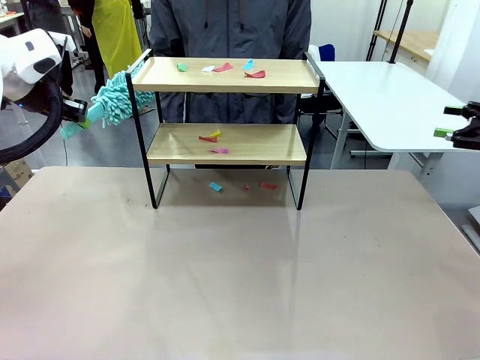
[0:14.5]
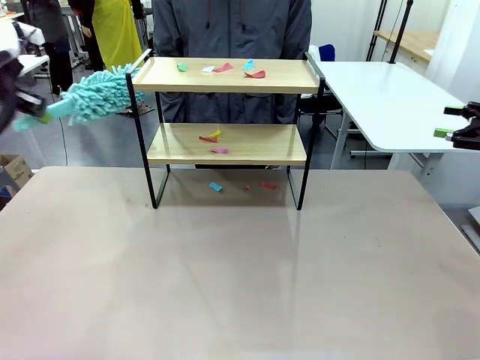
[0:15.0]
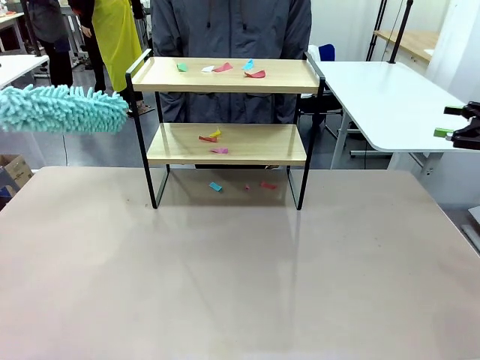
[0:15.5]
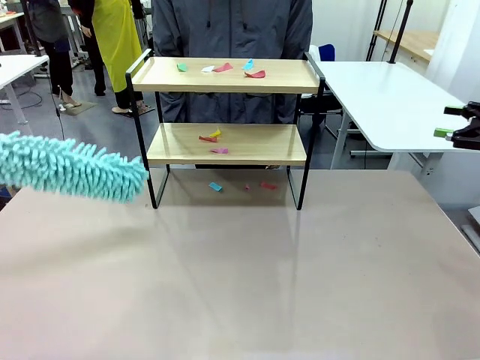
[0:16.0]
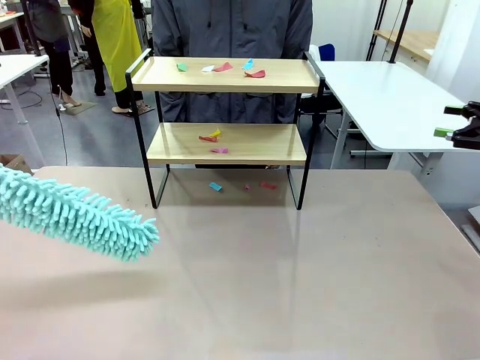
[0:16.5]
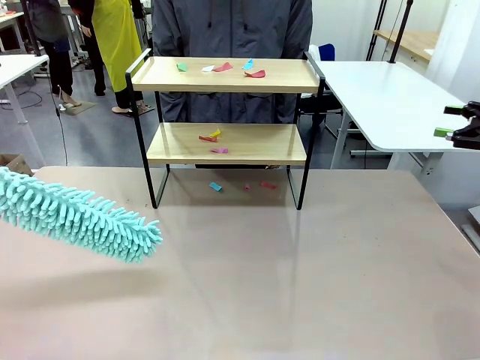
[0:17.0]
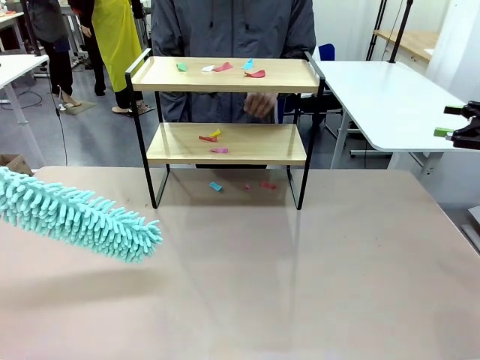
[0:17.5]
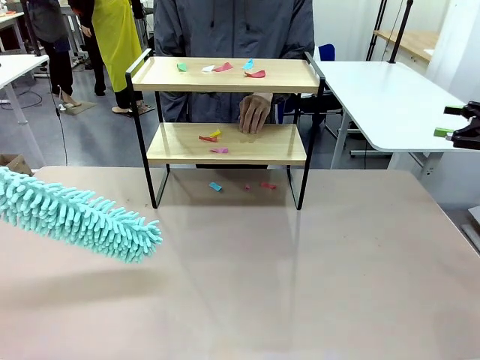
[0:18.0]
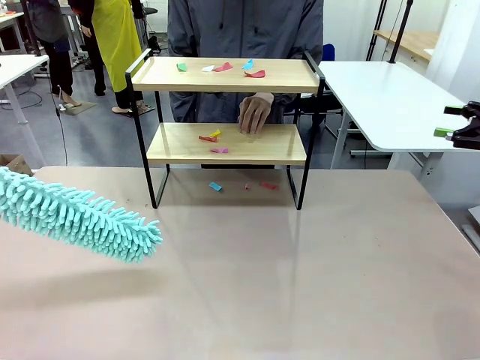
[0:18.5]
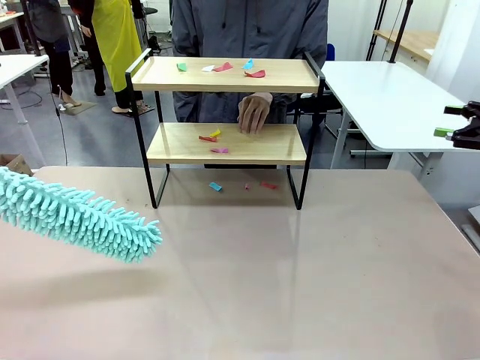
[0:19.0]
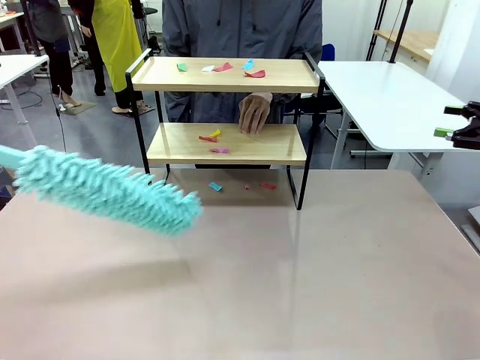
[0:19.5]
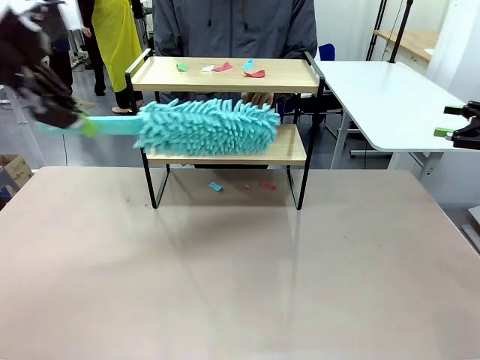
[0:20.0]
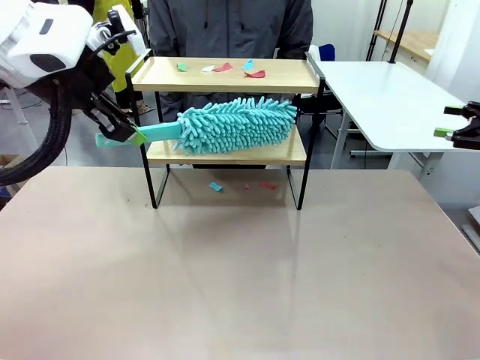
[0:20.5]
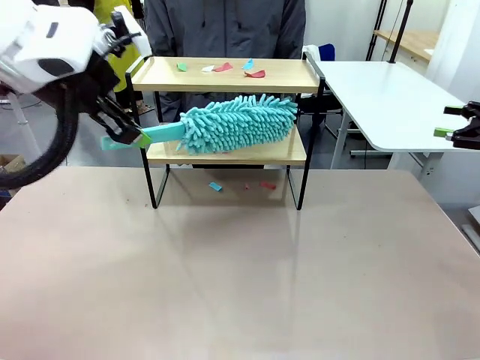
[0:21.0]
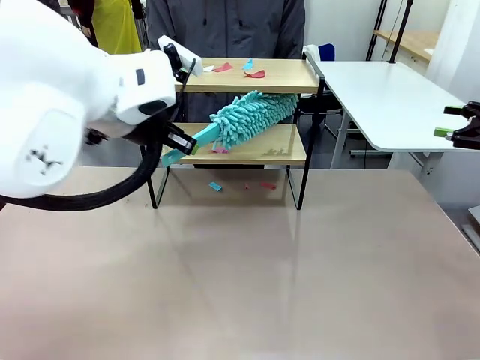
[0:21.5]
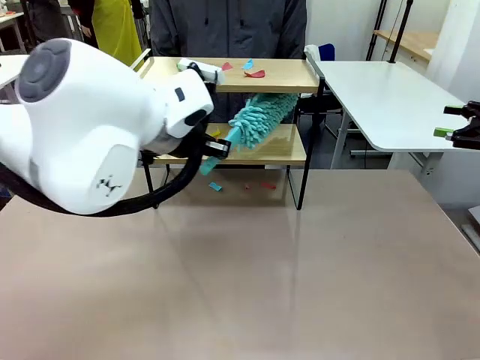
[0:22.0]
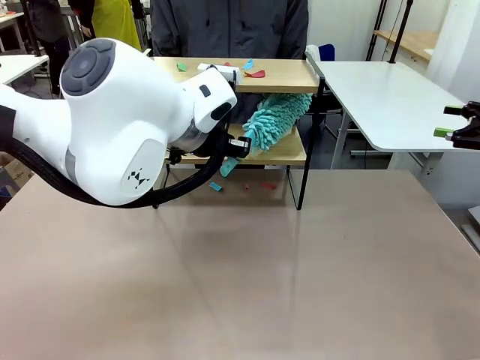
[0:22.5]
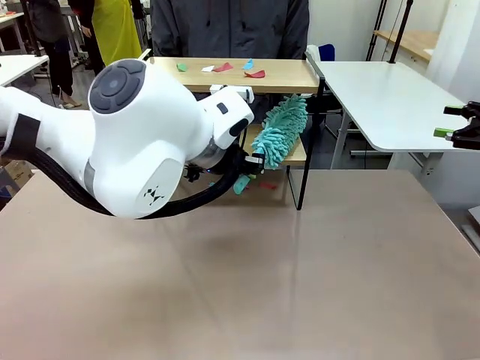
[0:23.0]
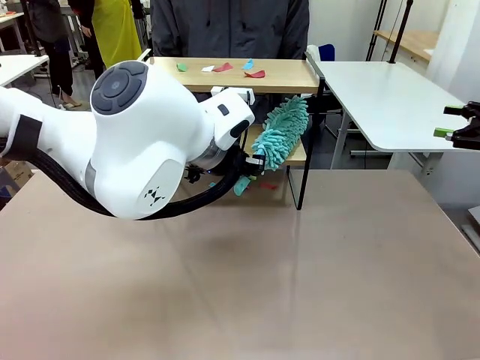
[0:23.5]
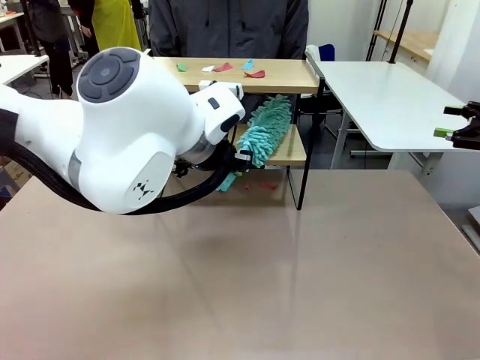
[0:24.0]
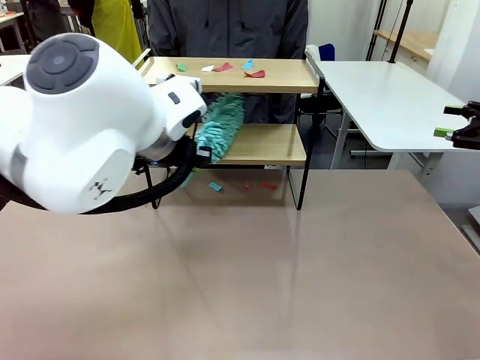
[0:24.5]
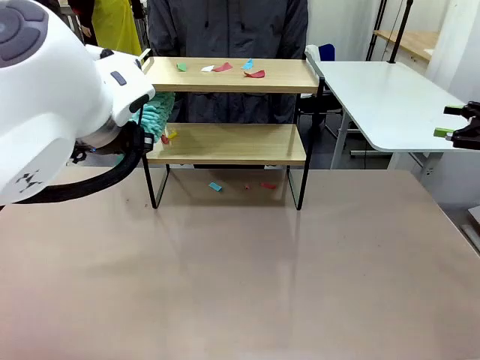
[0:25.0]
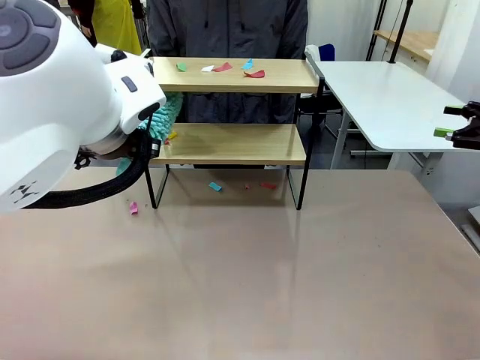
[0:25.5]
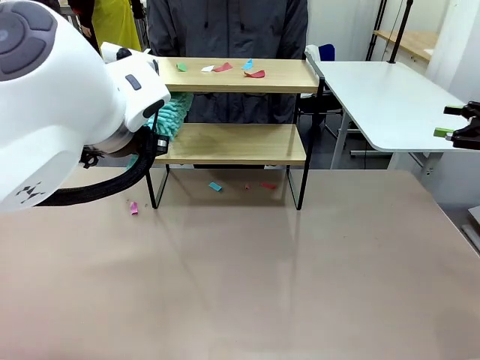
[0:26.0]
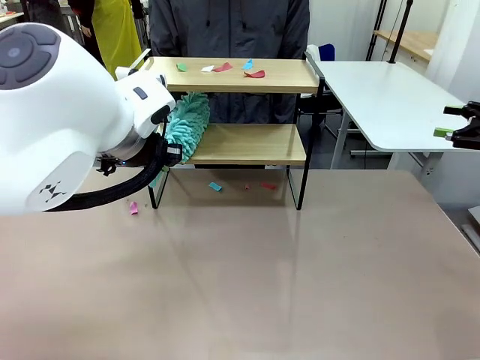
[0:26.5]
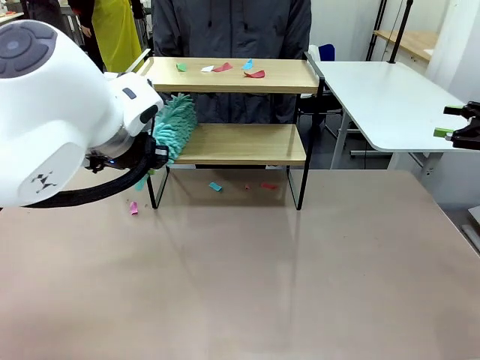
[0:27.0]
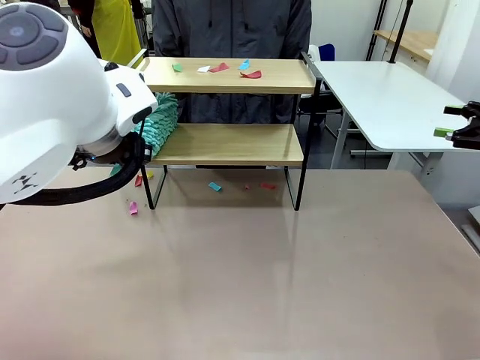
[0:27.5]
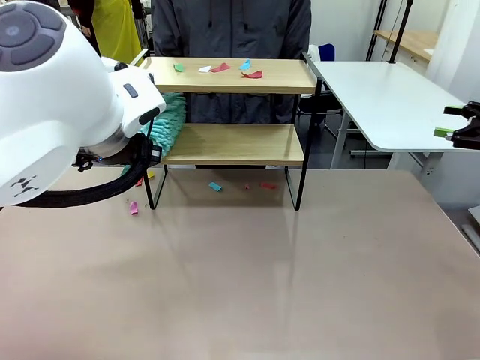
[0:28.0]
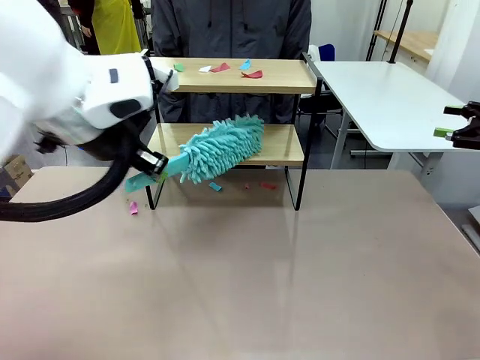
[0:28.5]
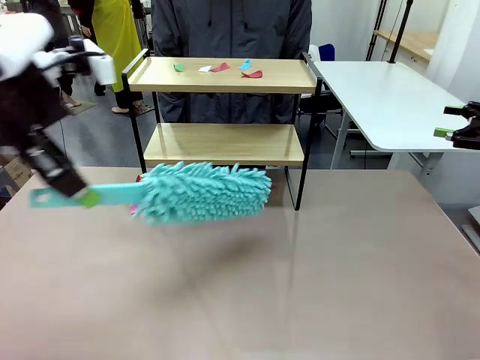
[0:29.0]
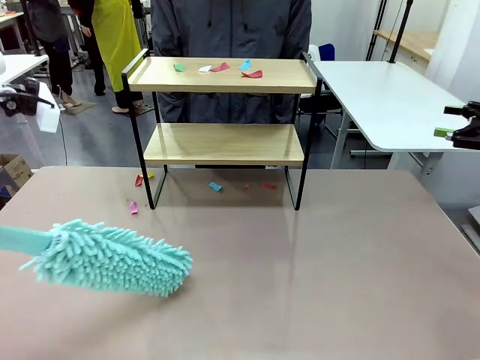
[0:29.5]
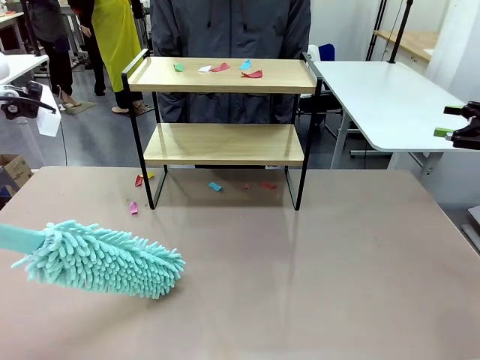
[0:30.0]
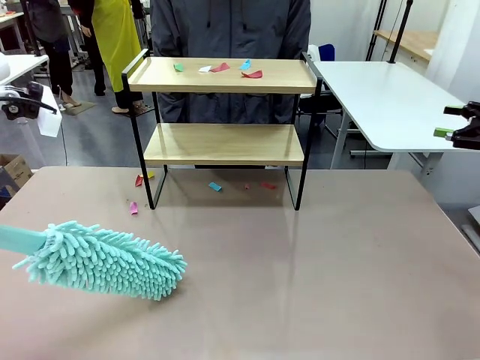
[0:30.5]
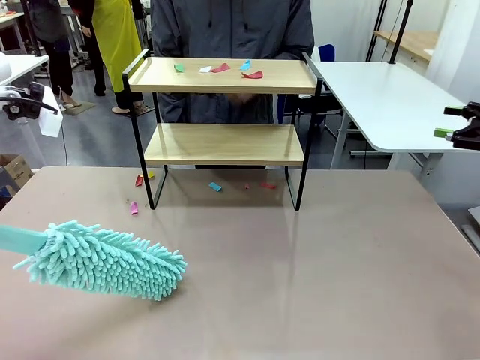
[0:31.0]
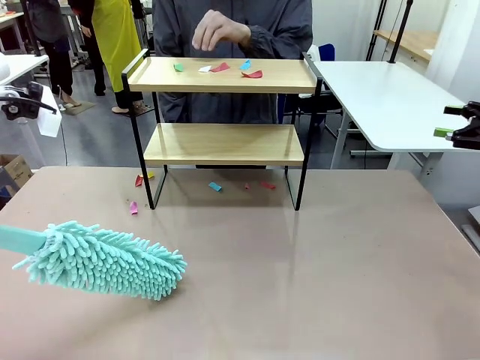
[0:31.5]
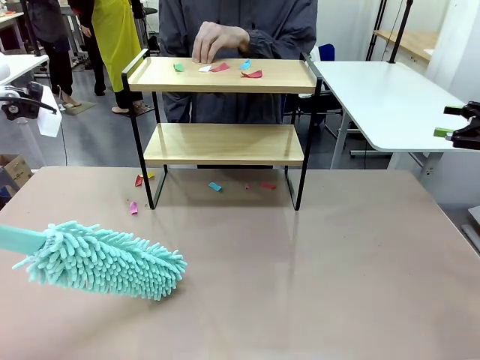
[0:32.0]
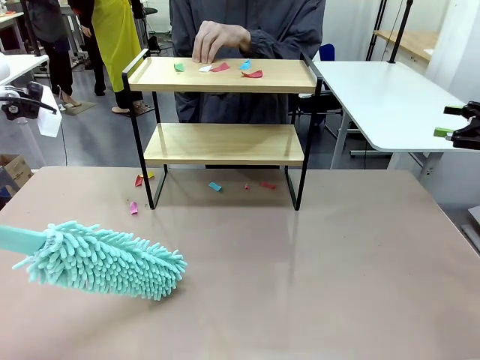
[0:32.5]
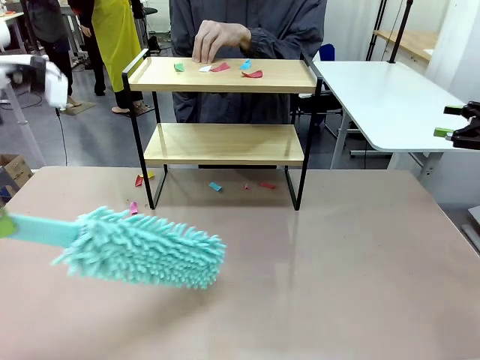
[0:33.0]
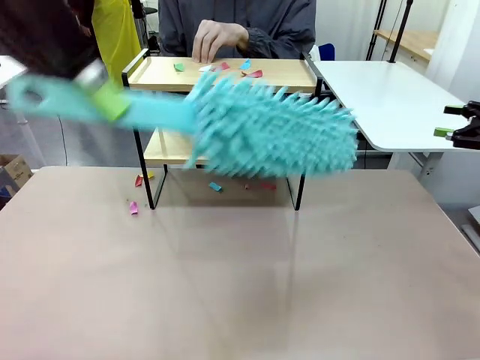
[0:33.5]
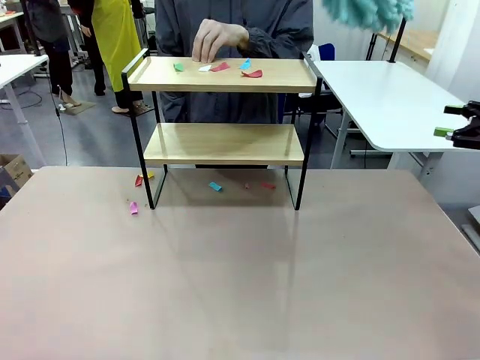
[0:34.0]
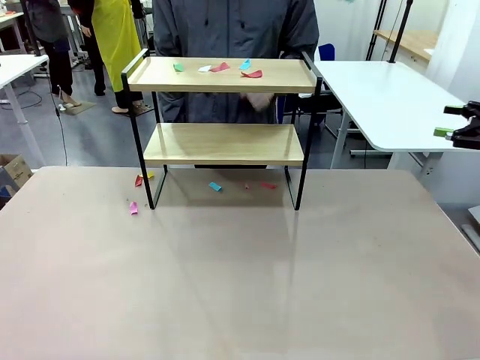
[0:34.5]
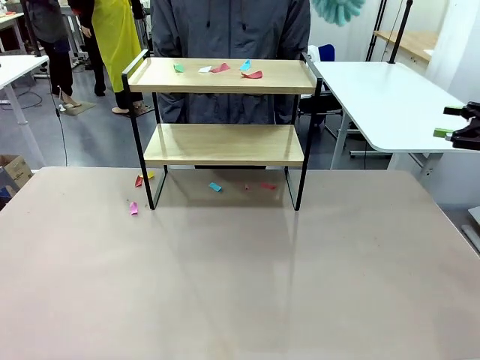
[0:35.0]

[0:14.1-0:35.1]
Task: Clean the shelf.
Robot: Clean the specific section of the Shelf indicated by the human with the Duster.
Person: Point a random section of the Shelf.
